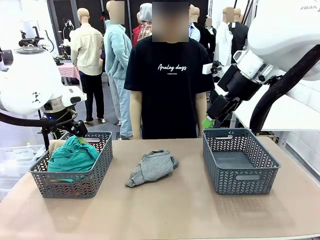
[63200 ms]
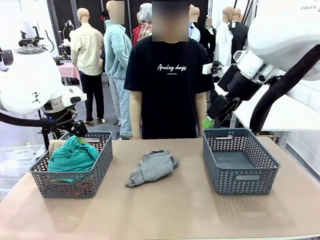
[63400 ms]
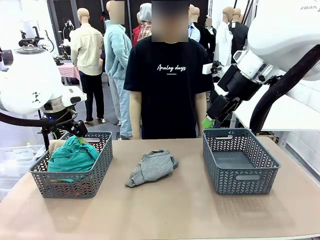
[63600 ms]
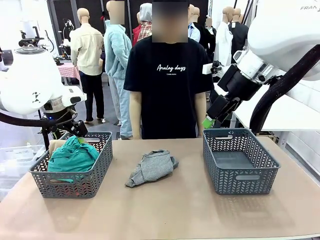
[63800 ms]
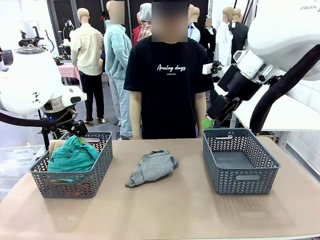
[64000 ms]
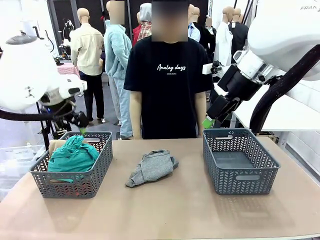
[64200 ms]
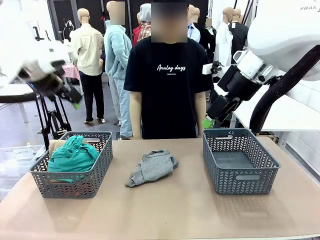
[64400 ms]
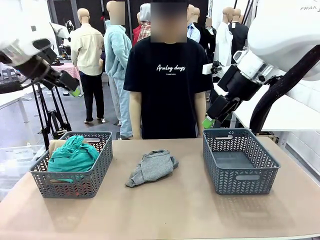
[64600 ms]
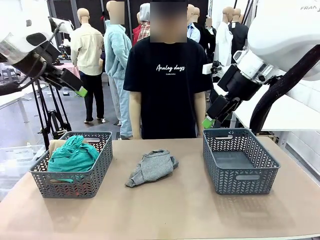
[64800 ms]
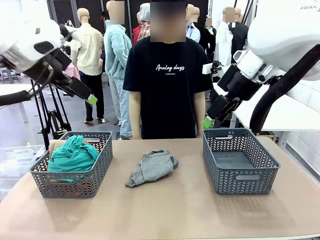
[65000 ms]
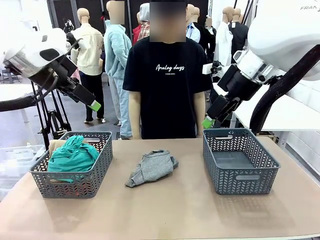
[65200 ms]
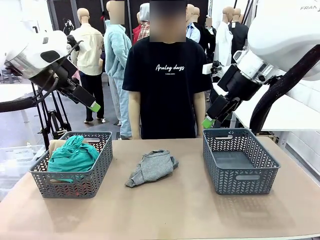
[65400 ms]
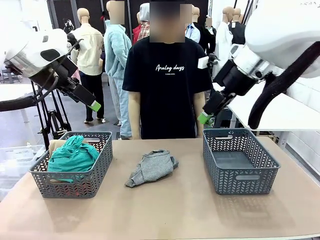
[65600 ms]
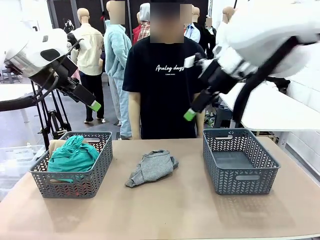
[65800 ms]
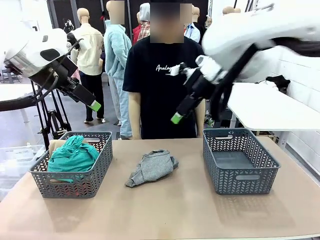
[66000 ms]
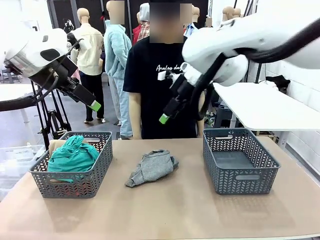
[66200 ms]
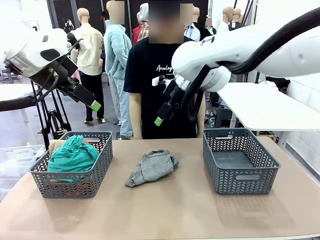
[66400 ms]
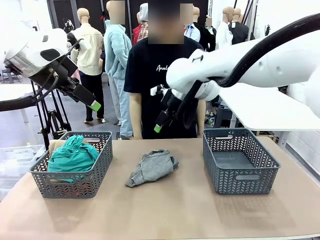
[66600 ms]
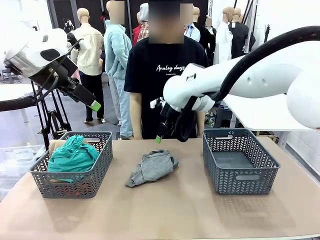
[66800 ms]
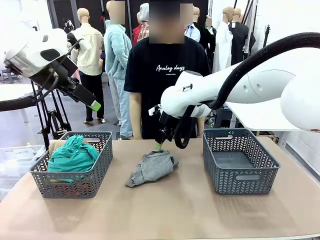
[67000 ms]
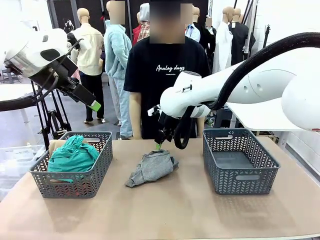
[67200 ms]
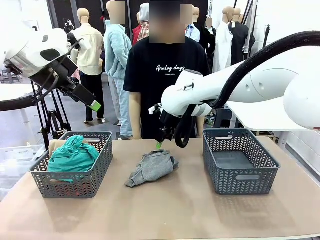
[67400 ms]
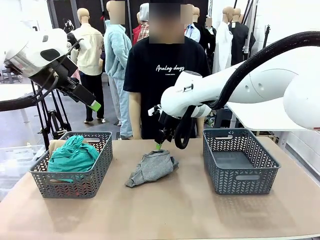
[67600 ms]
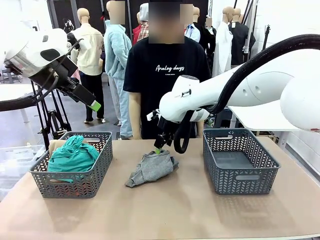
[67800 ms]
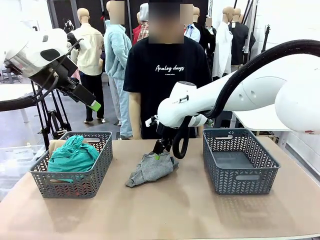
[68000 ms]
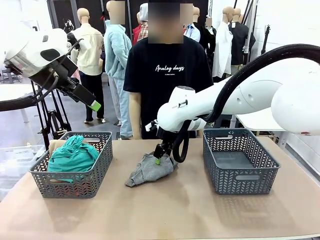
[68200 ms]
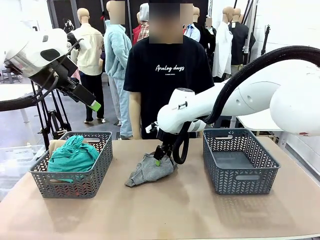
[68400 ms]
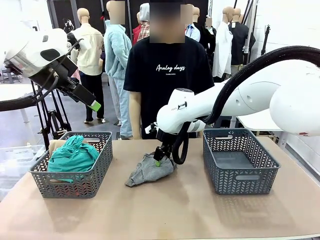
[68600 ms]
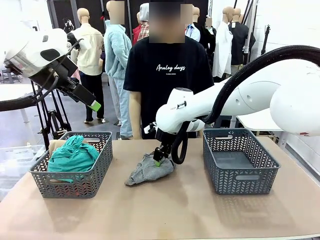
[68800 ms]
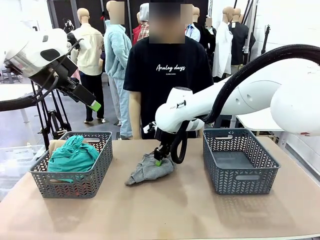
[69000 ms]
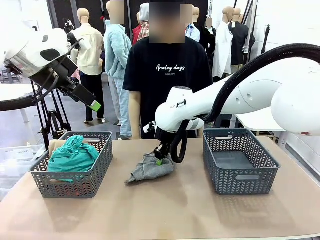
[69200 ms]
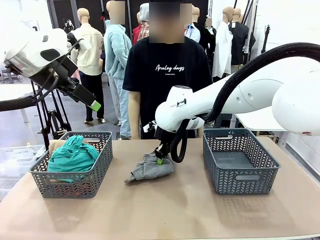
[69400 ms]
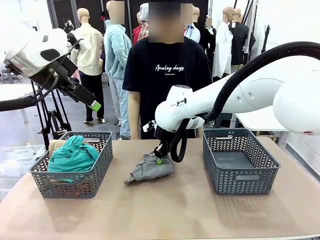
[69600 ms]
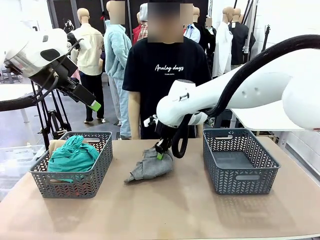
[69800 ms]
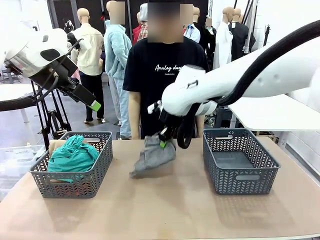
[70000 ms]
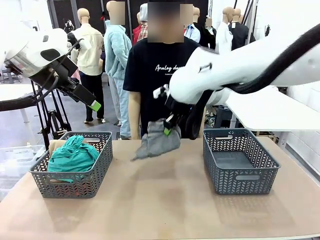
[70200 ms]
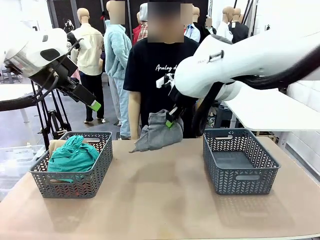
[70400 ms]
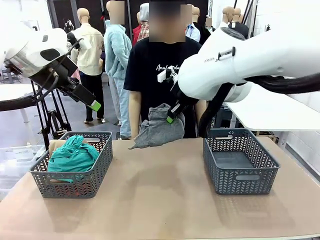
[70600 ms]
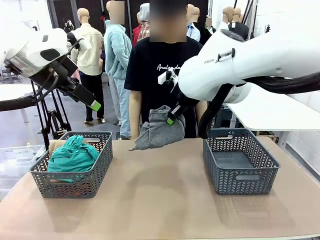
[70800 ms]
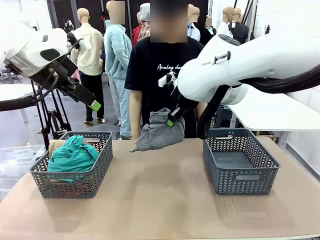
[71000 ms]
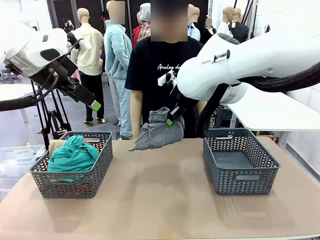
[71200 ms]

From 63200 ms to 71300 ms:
Task: Sort the tops and bottoms.
Robot: Lift clothes from the center of the table with your right hand.

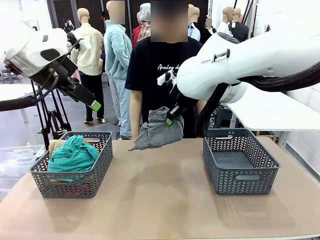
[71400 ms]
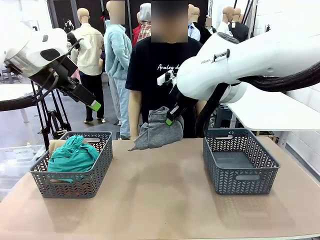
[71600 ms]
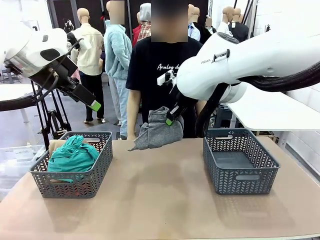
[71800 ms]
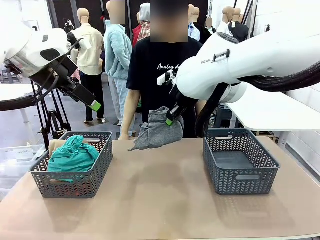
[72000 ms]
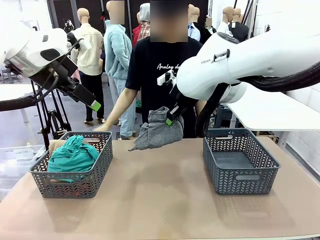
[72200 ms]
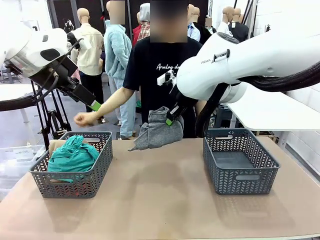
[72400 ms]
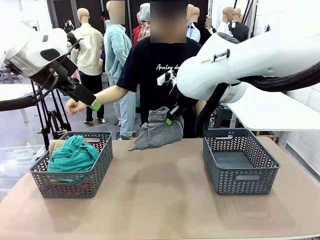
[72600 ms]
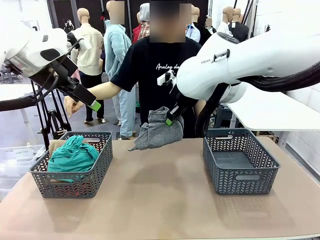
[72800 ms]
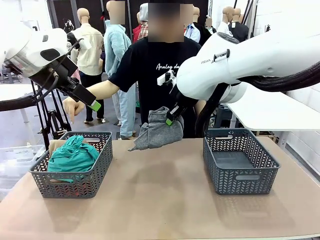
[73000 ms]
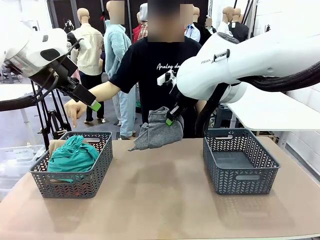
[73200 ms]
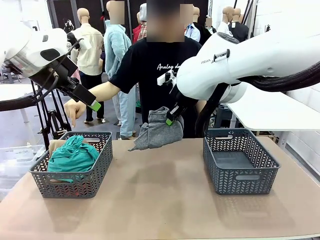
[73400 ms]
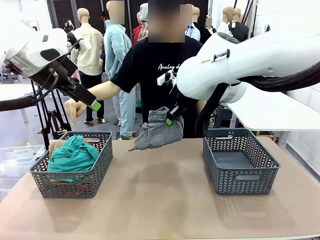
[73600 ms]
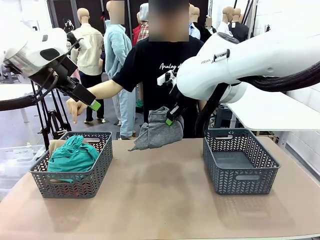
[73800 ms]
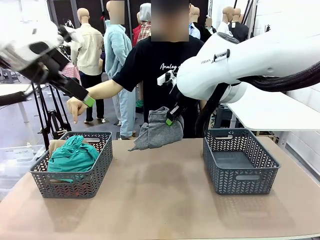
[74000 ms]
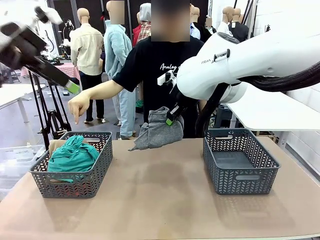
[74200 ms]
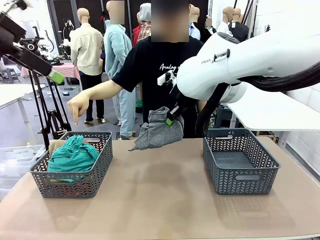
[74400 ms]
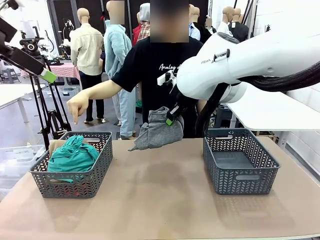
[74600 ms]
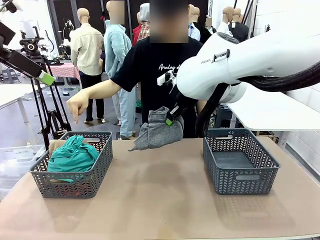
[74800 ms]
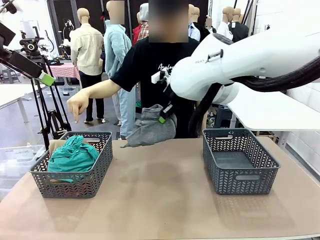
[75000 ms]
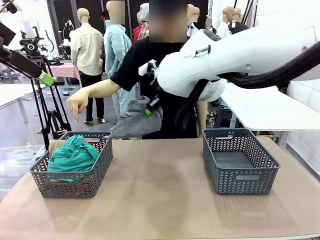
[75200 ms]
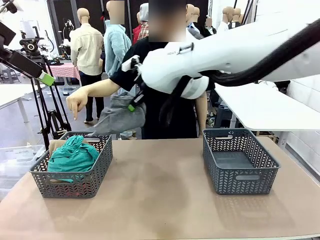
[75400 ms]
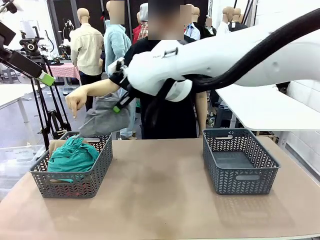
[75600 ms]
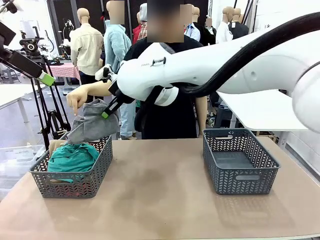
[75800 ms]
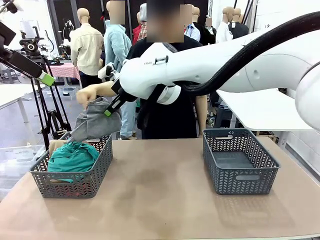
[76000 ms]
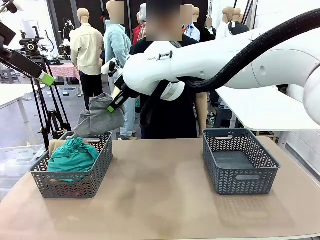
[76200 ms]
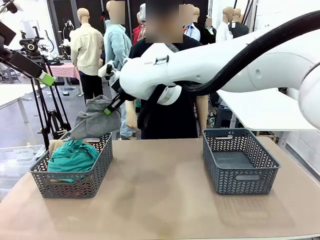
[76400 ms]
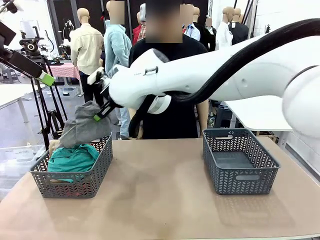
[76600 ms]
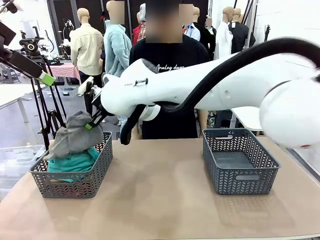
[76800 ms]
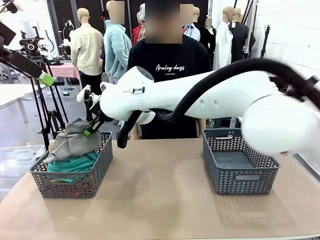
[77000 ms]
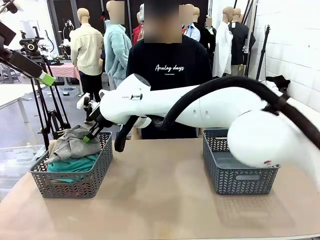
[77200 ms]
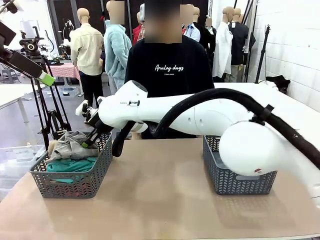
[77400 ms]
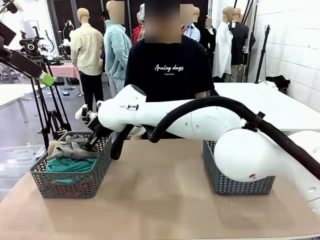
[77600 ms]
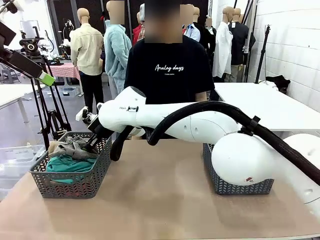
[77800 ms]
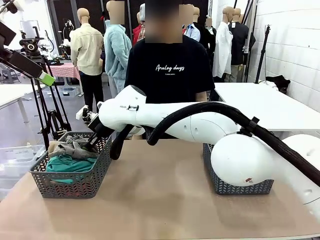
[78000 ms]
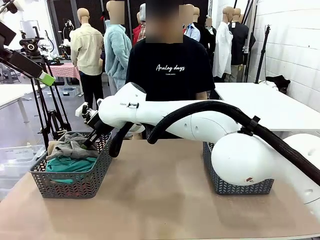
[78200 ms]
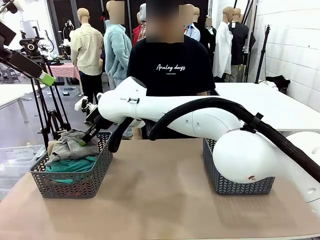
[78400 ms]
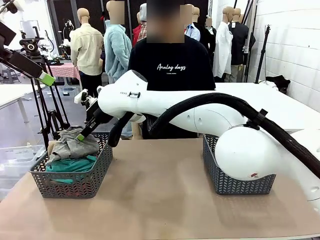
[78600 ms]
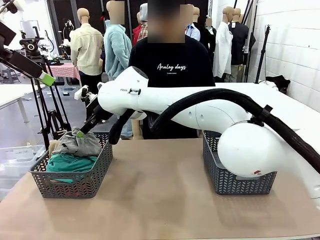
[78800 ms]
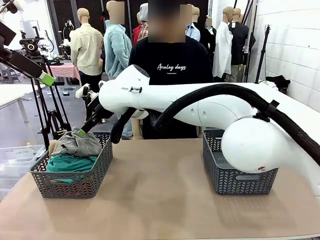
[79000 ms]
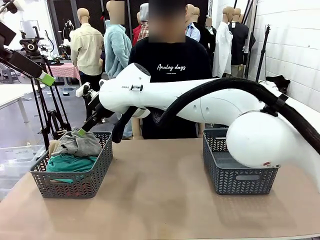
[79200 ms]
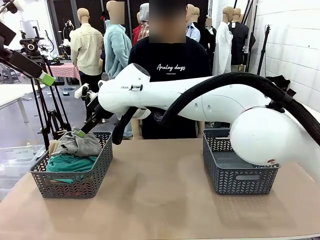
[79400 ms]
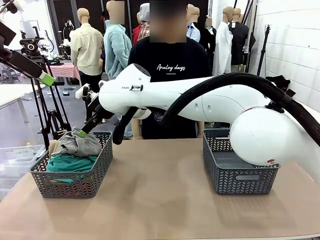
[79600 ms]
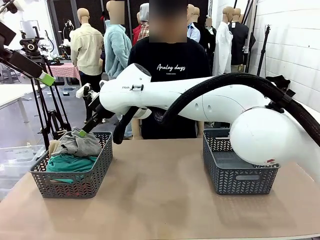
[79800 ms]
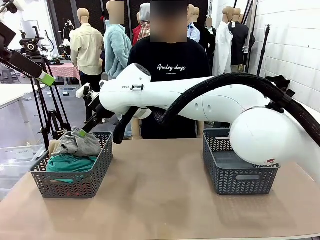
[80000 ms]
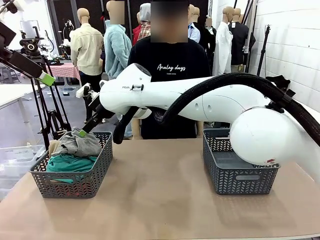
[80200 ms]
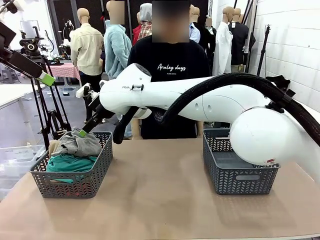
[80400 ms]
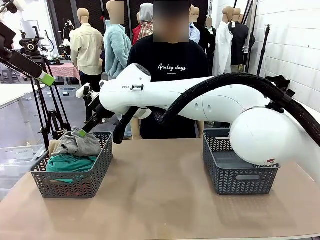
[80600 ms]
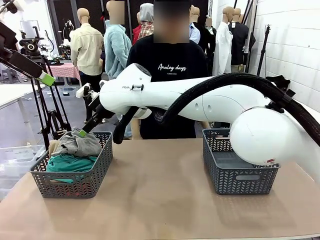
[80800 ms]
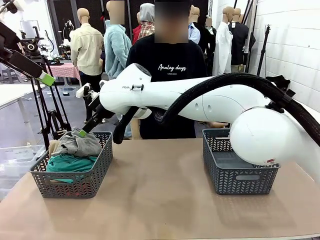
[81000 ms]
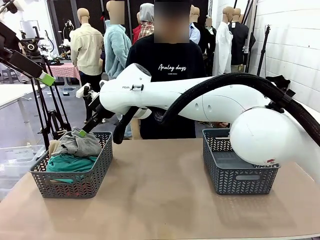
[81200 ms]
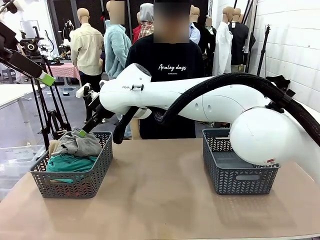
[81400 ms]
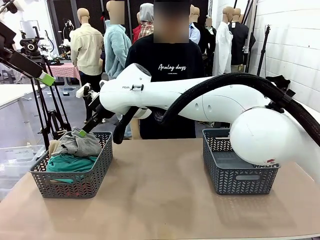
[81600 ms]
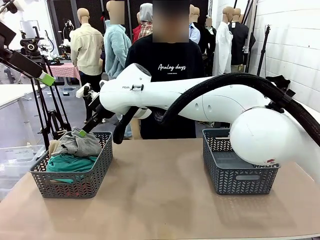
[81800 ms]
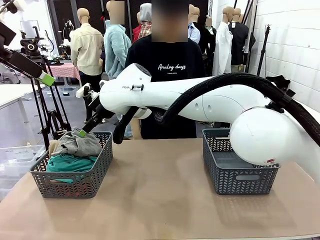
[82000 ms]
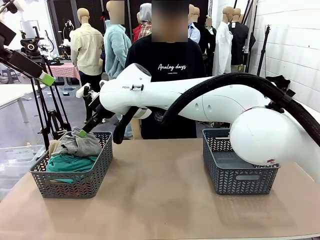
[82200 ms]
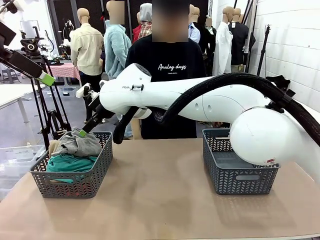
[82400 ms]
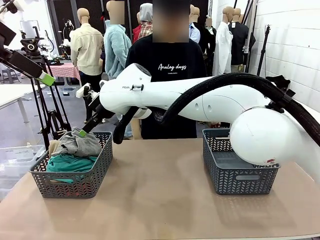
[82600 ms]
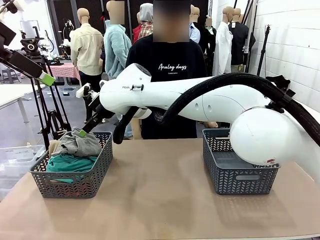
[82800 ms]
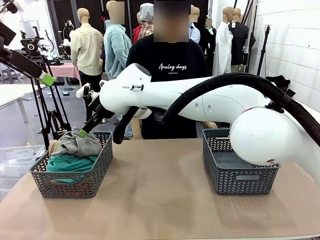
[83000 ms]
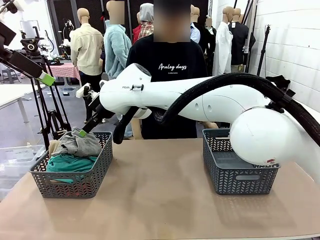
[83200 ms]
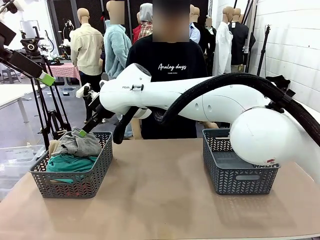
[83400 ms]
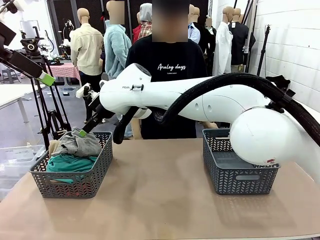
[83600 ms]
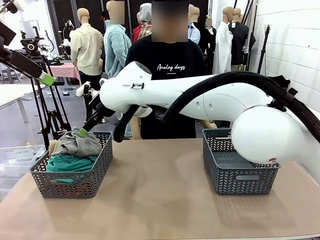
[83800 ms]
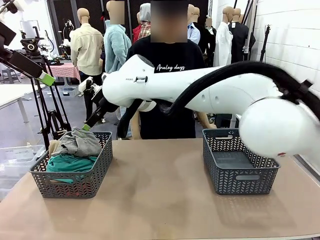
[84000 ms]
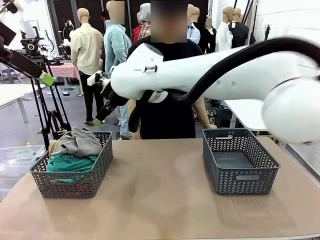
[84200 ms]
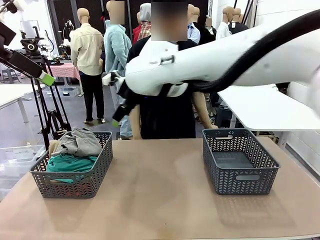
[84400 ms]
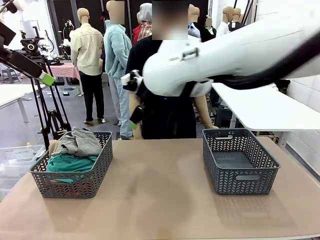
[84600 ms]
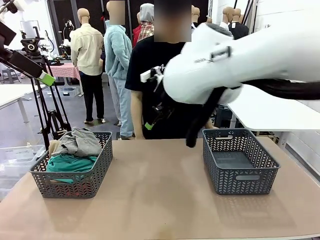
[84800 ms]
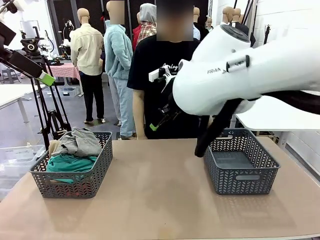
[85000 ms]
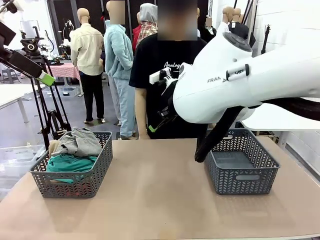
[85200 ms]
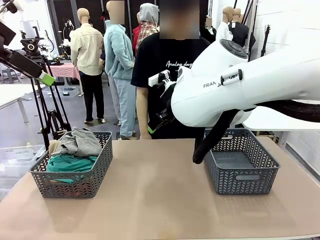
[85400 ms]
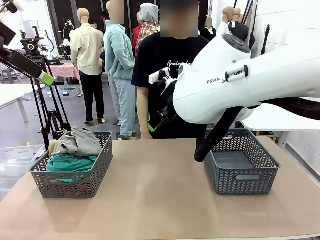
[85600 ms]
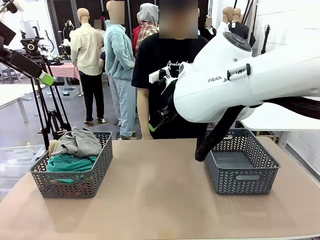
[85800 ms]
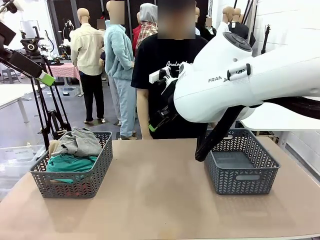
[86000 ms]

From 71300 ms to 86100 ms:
Robot: Sort the clothes according to human instructions.
